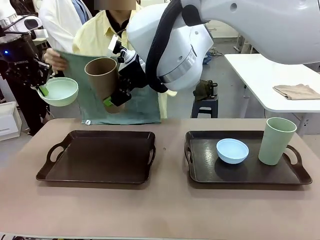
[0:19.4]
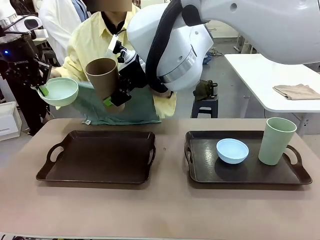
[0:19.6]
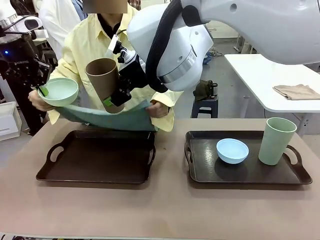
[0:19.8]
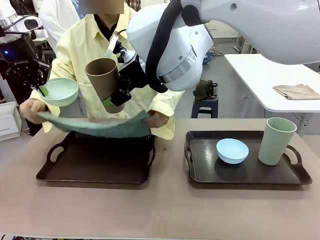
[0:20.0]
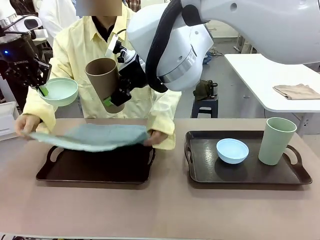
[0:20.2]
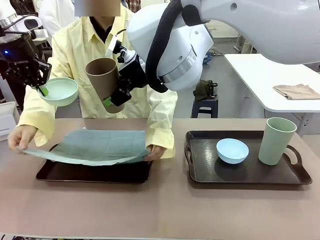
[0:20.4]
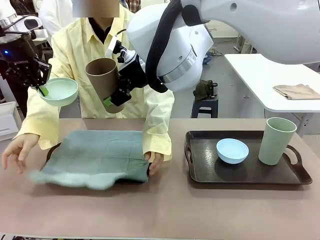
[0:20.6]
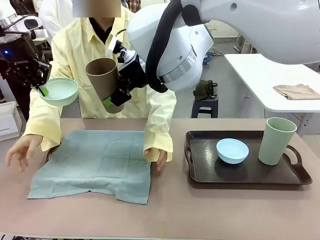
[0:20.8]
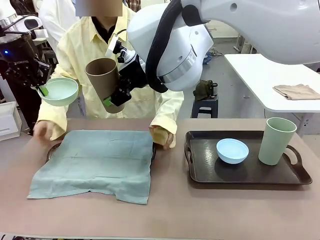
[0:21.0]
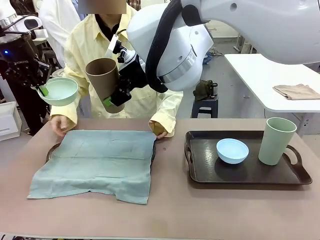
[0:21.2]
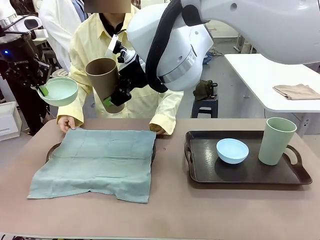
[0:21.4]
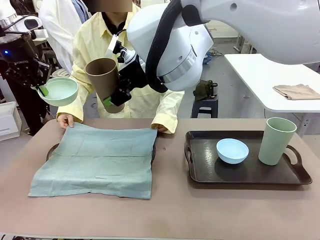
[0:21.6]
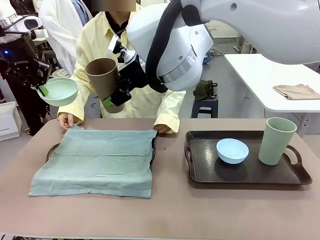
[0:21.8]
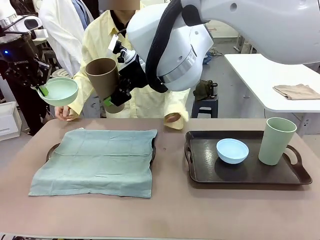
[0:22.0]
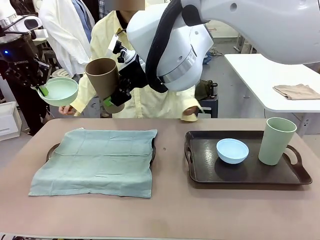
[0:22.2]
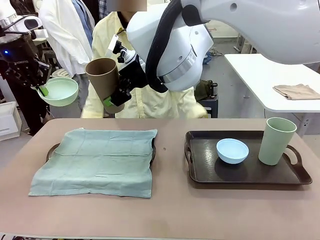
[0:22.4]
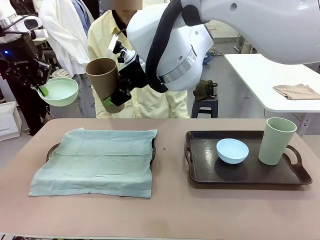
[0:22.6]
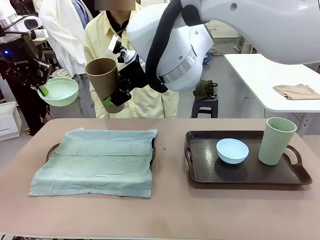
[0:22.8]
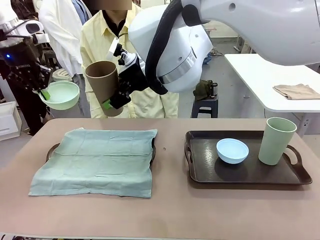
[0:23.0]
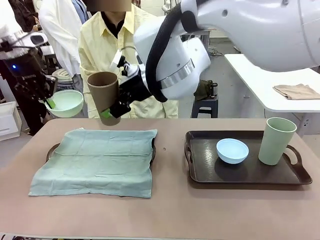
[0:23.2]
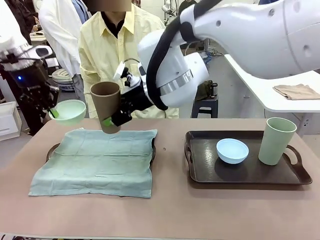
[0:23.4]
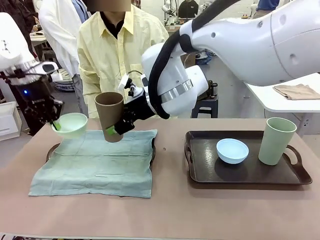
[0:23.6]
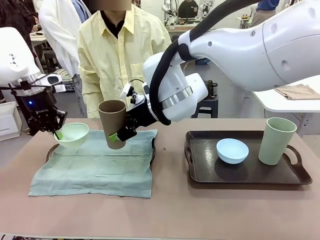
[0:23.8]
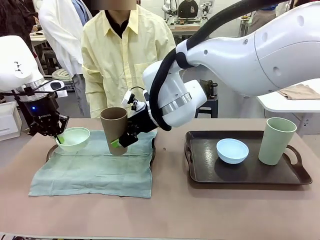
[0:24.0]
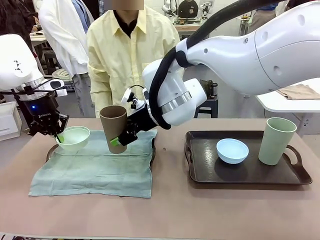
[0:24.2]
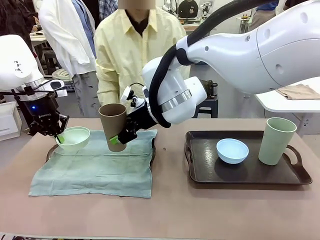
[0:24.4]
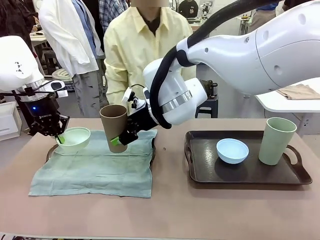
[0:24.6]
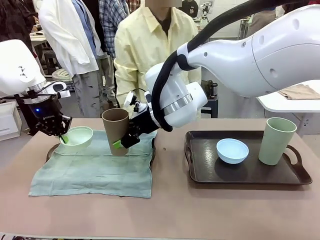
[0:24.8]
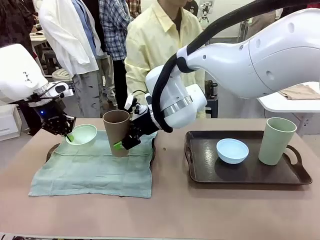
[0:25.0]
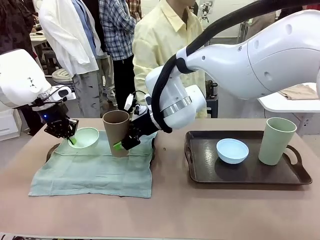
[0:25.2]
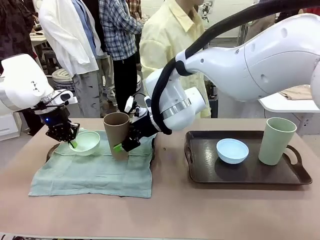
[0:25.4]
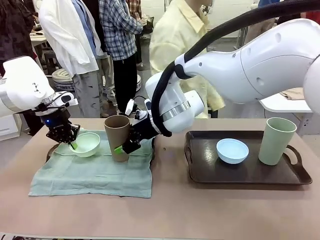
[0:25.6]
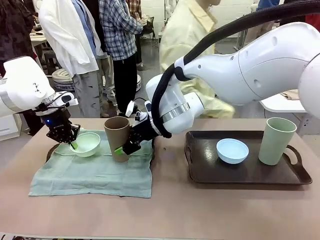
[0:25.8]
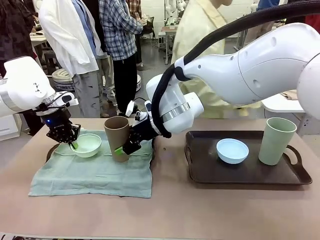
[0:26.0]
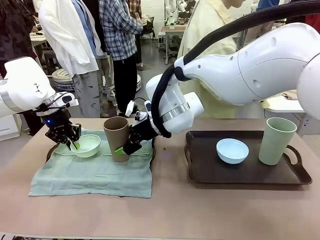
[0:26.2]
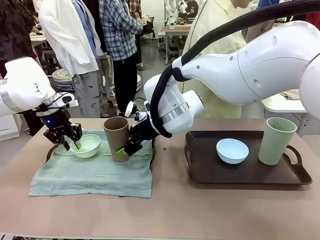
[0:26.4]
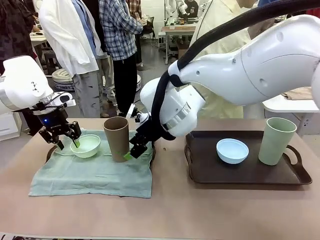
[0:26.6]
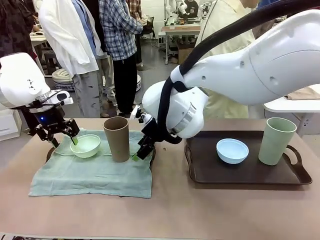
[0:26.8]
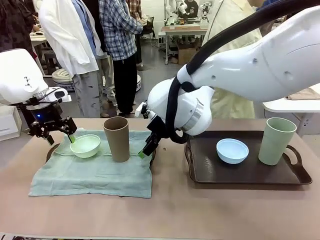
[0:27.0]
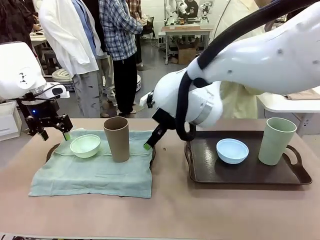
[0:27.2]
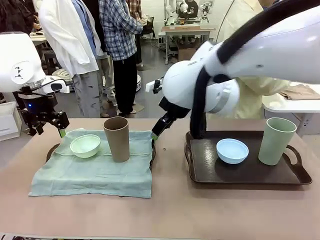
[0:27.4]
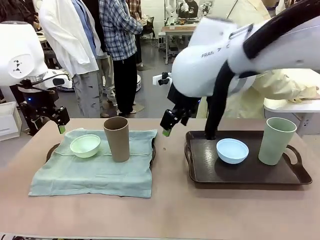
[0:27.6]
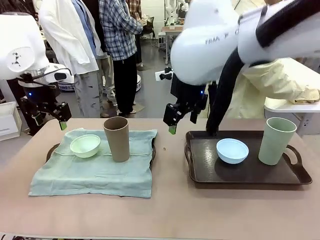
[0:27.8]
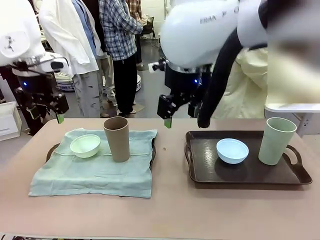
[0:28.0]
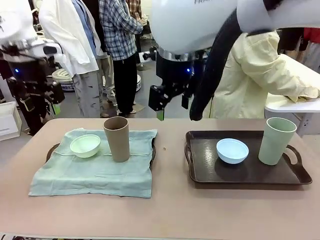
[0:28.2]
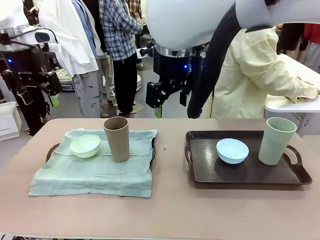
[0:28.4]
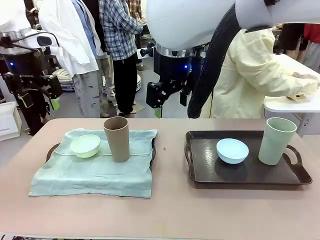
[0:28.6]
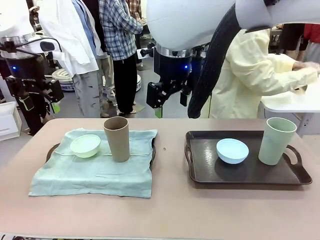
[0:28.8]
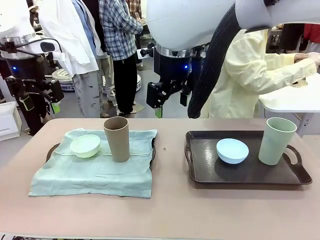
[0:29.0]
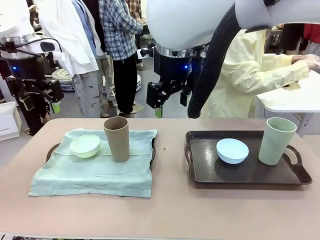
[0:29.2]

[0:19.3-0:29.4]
Robot: Place the Picnic Bowl and Reusable plastic cup back onto the Handle tray in front of the human's position.
Person: The human returns to the human table to pick up another napkin and walks to the robot table to stand in front of the tray without a napkin.

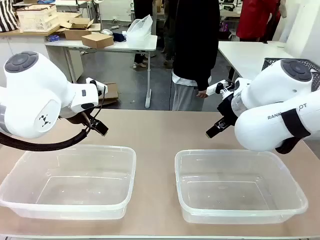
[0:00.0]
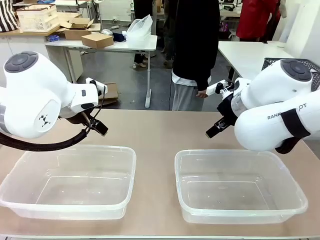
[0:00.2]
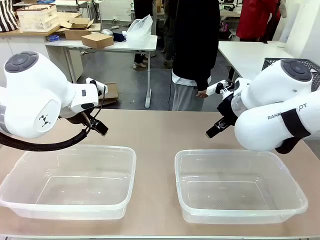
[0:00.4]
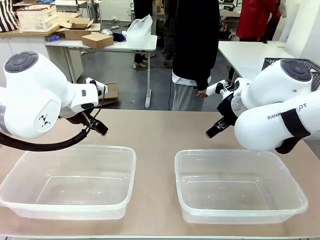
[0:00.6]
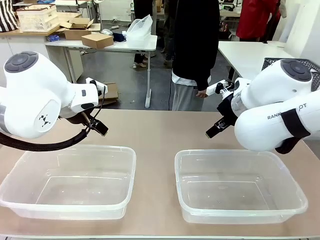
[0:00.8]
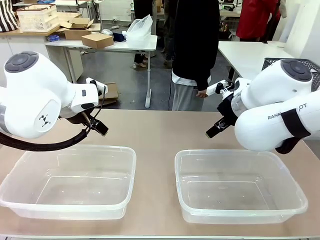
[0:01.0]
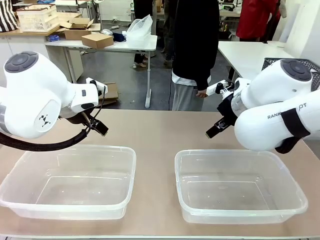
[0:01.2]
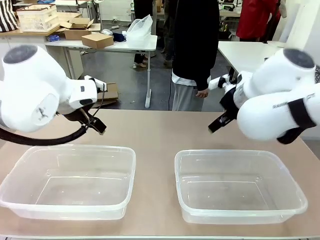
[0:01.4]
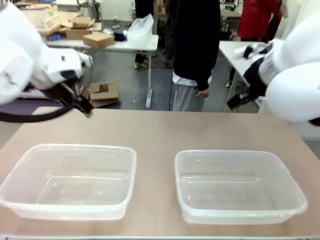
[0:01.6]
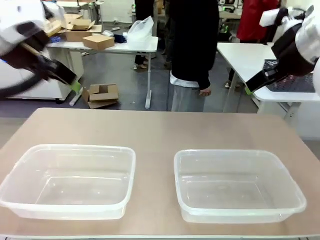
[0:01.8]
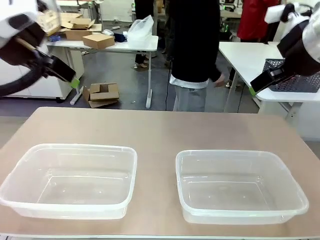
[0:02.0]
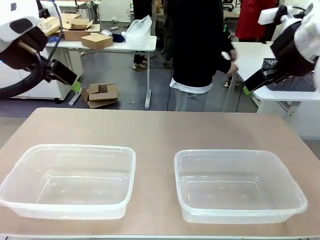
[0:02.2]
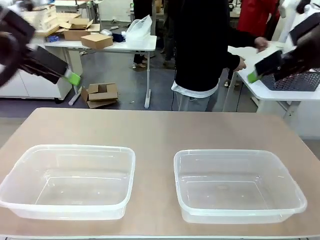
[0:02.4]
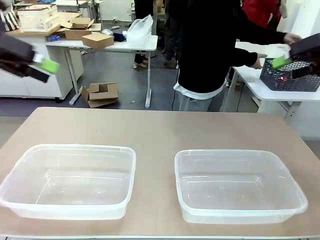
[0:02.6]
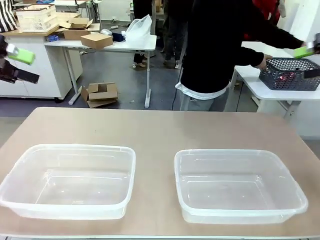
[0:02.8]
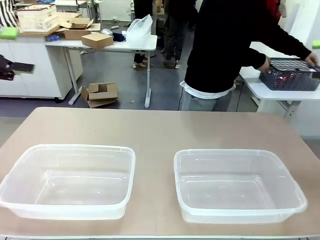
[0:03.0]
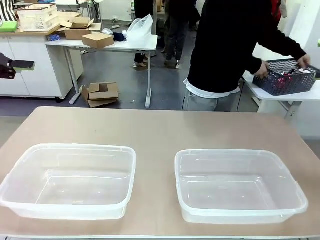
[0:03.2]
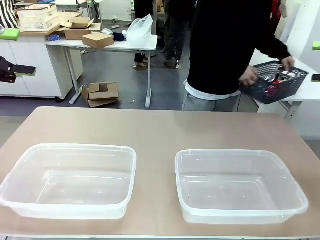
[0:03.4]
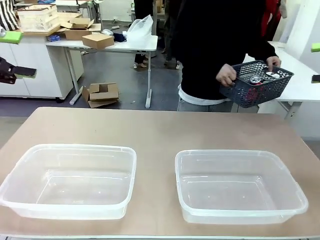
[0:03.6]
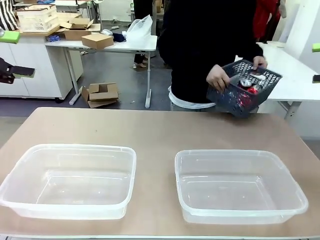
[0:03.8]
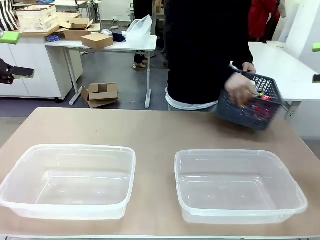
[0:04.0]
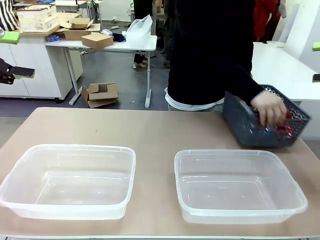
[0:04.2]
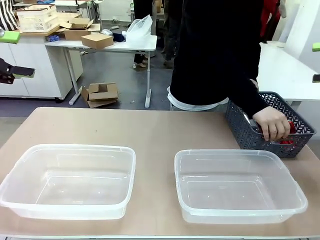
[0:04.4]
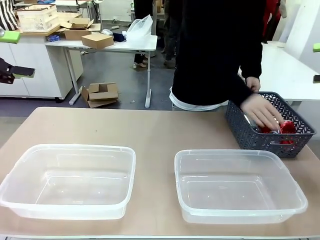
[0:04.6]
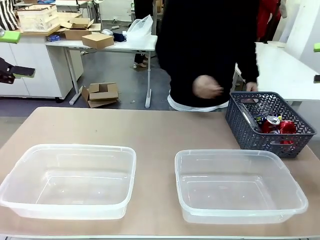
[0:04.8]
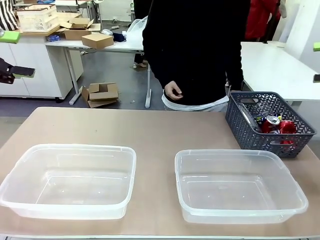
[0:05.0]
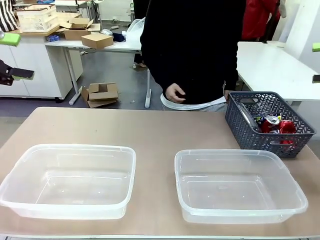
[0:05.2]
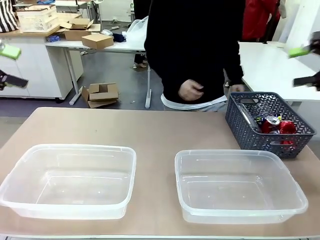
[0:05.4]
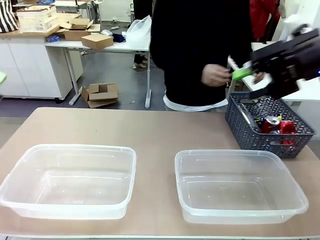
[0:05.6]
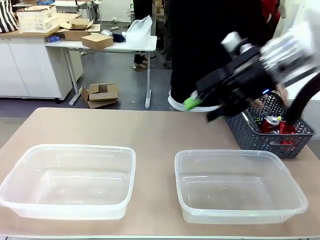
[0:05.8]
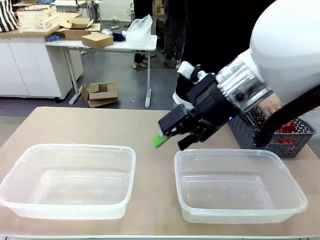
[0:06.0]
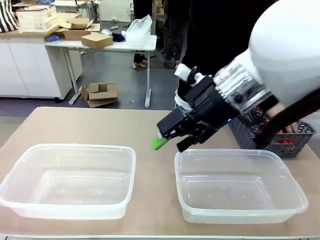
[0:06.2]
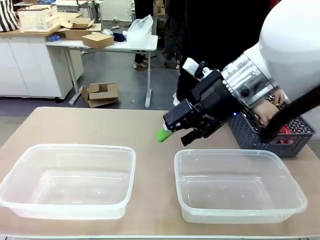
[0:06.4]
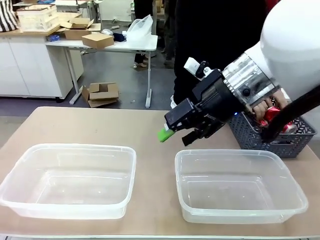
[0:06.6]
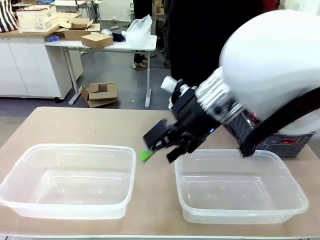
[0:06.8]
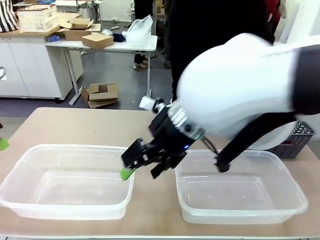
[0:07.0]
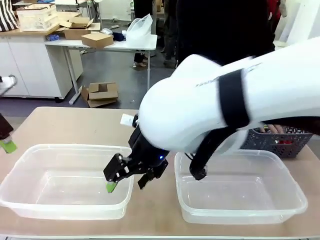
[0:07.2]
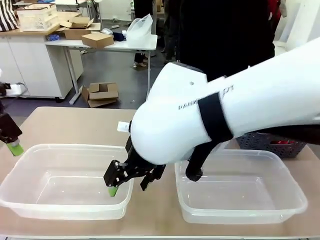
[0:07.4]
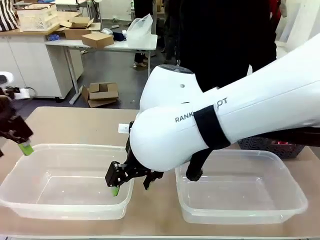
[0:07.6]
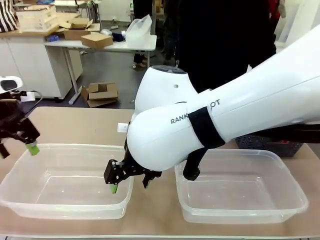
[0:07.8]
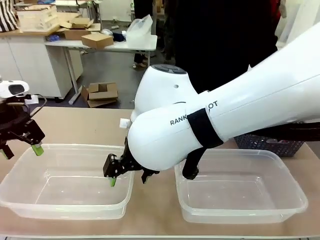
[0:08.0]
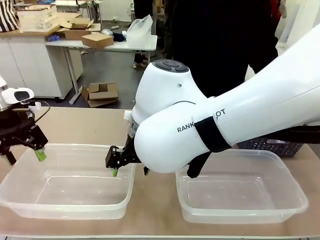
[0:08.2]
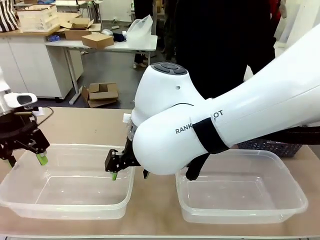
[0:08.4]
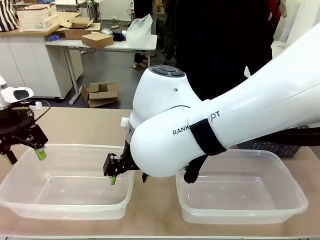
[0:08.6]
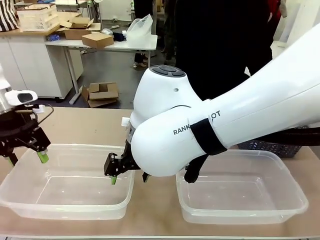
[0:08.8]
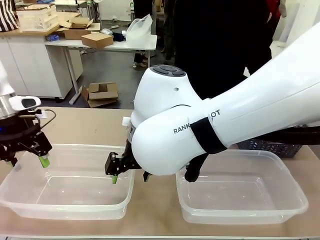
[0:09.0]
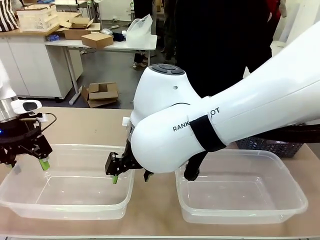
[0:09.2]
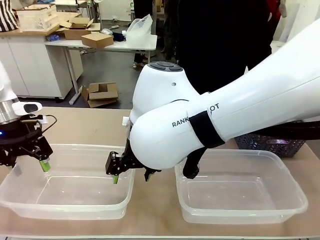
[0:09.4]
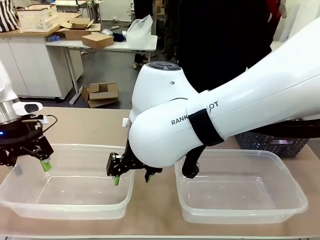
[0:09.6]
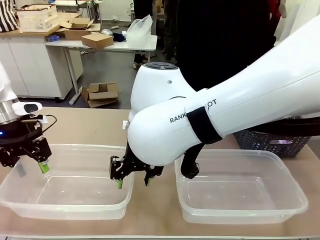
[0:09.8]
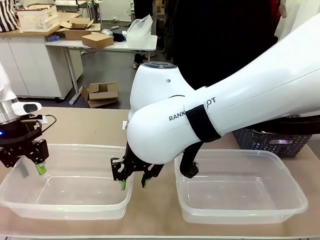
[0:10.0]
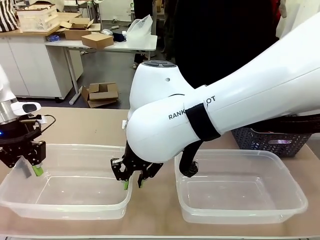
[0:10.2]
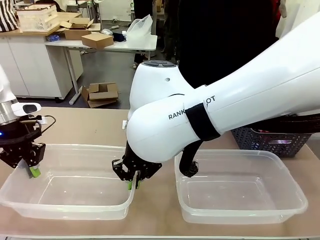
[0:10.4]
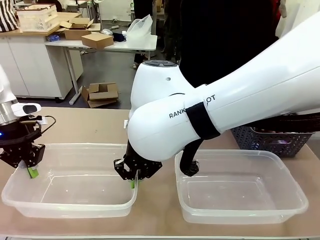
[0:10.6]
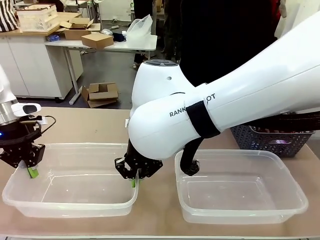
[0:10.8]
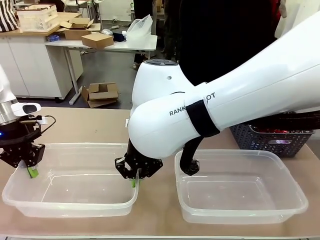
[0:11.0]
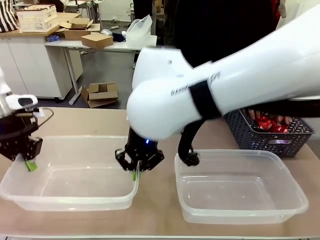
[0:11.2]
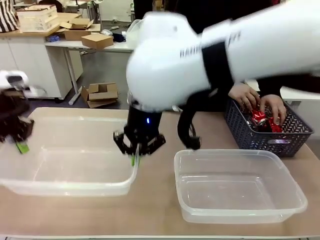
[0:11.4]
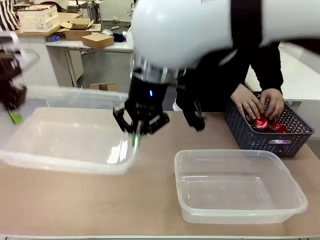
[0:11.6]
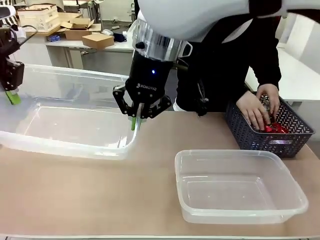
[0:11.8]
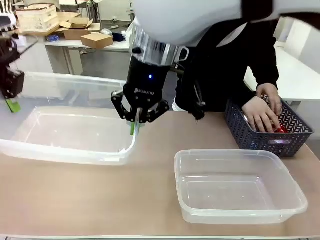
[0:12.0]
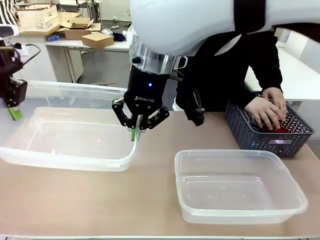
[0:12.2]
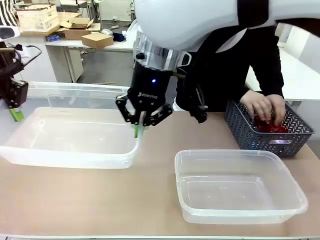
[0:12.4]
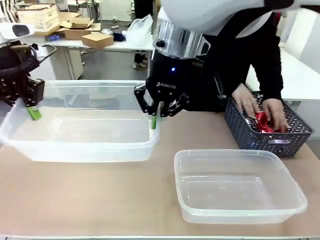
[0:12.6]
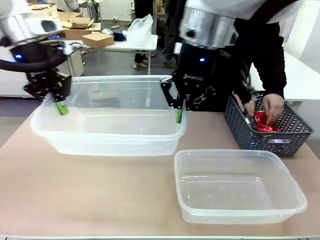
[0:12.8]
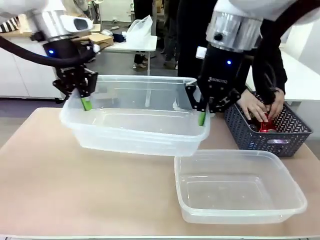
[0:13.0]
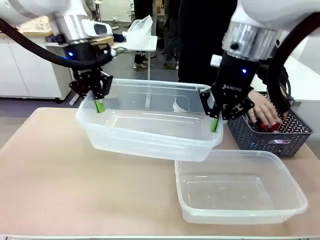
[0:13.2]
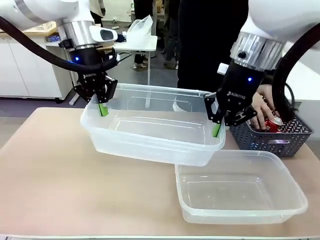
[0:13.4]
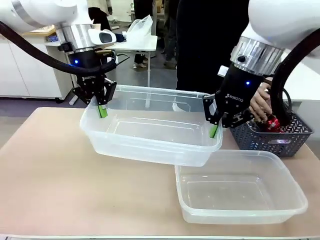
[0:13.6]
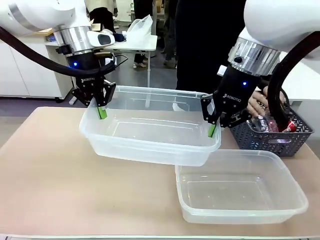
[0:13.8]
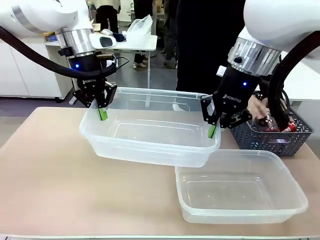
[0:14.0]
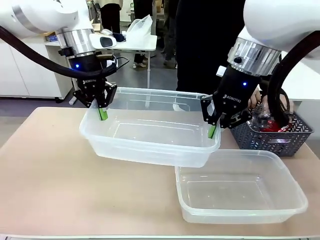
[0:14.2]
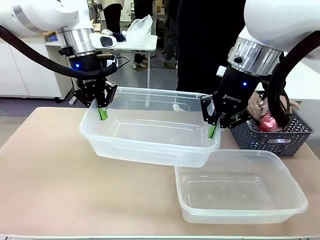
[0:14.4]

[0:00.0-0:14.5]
Robot: Pick up the Organizing box on the left side of the table and lift it.
Person: Pick up the storage basket and place it on the left side of the robot table. Pick up can-shaped waste one by one and place it into the organizing box lifted by the robot.
